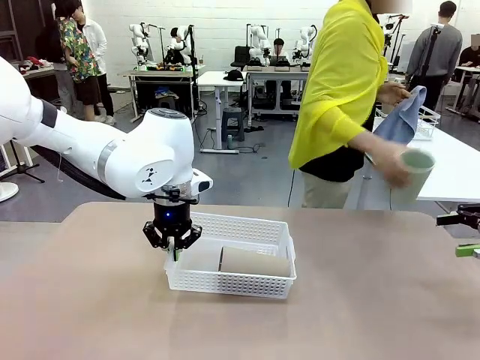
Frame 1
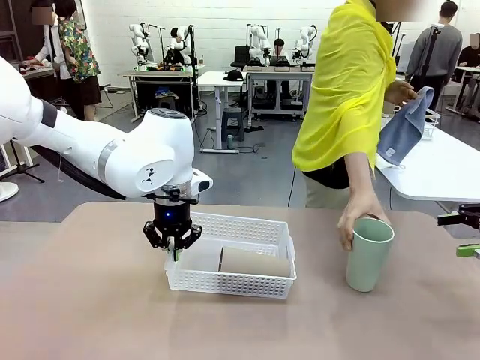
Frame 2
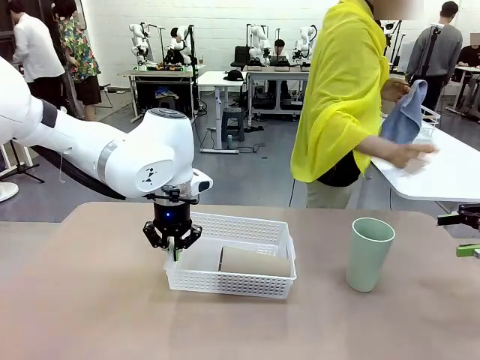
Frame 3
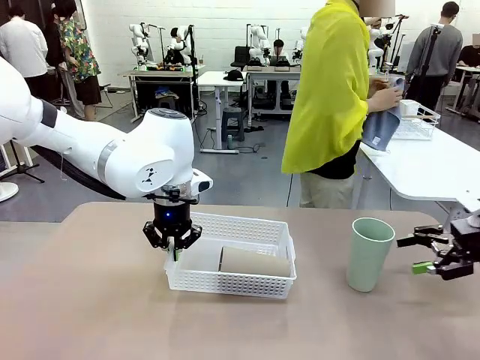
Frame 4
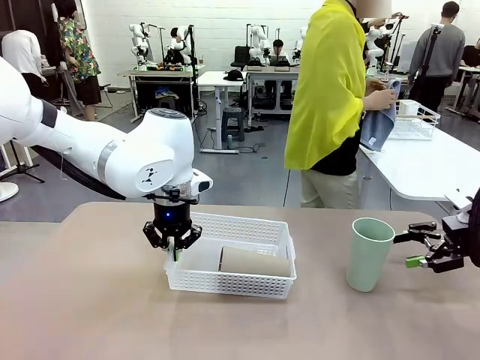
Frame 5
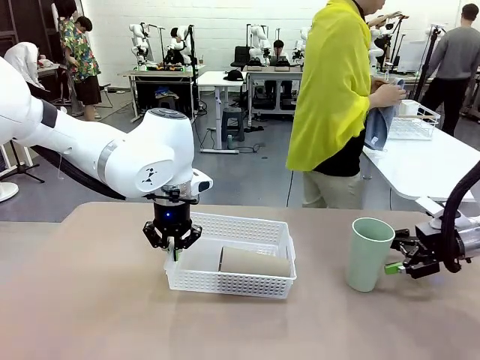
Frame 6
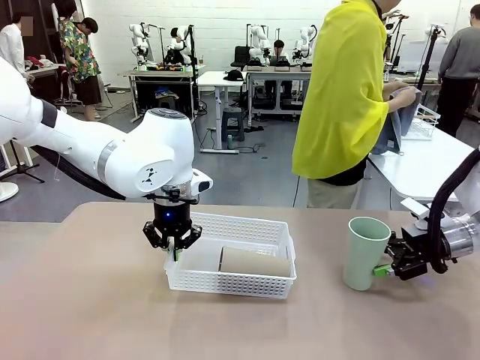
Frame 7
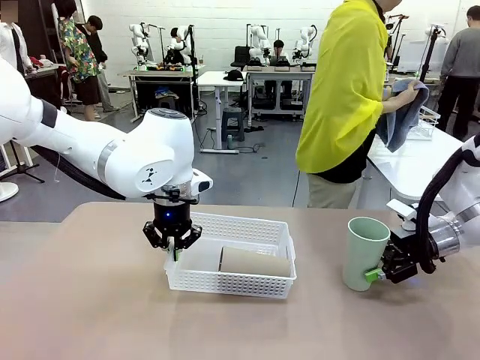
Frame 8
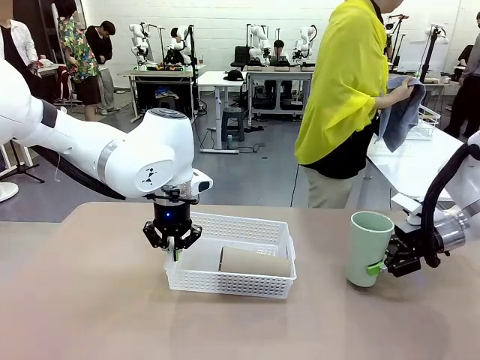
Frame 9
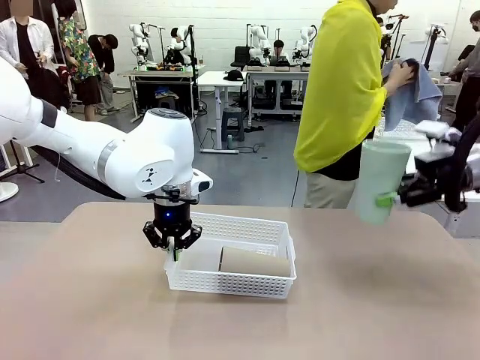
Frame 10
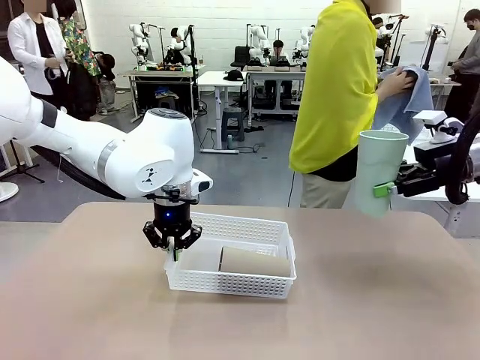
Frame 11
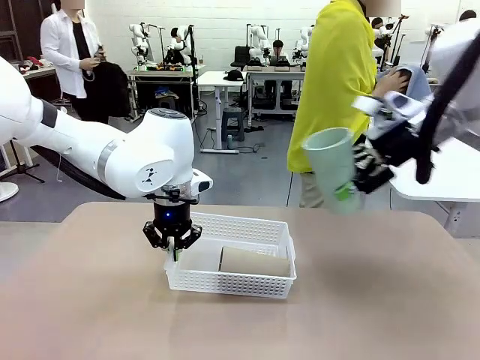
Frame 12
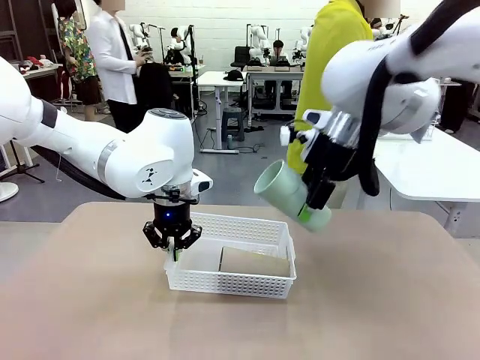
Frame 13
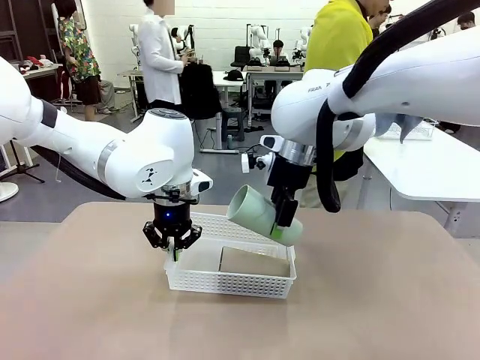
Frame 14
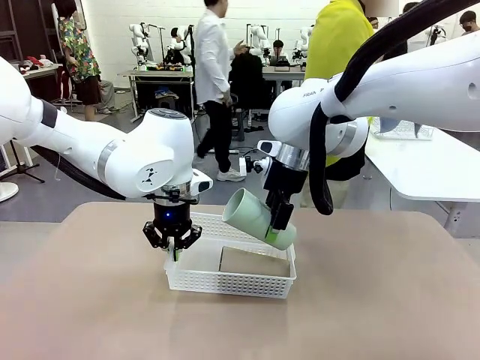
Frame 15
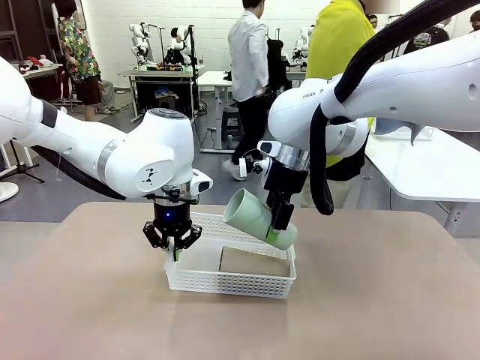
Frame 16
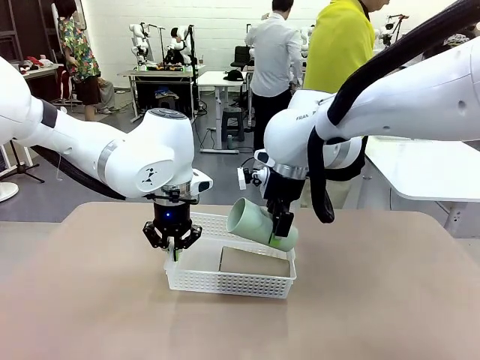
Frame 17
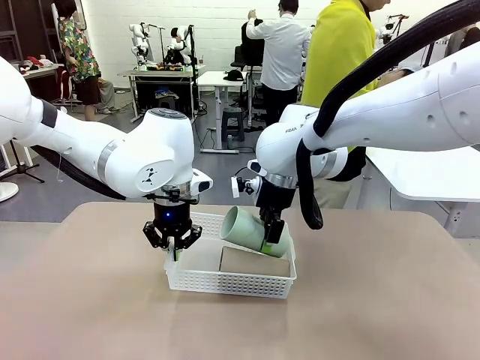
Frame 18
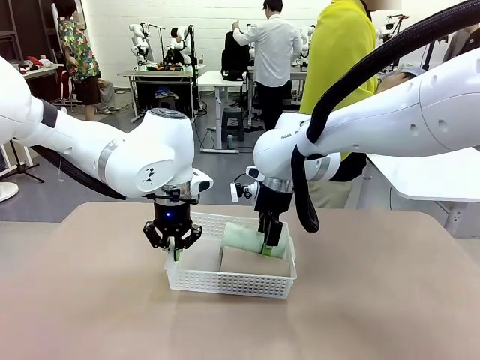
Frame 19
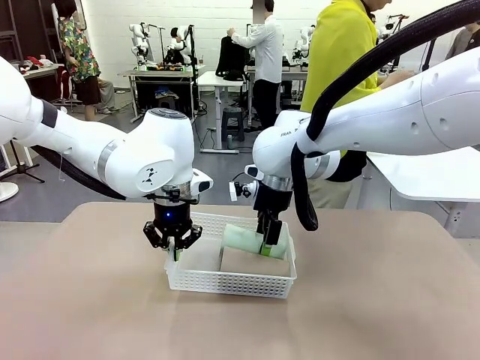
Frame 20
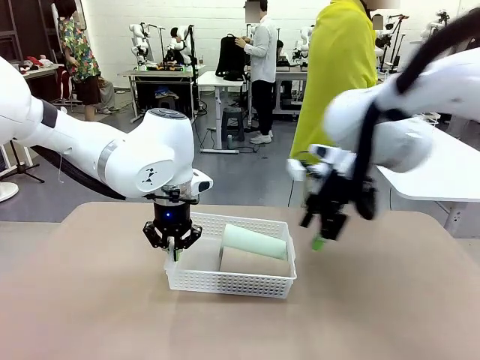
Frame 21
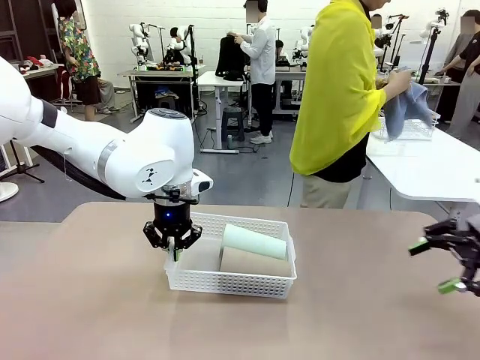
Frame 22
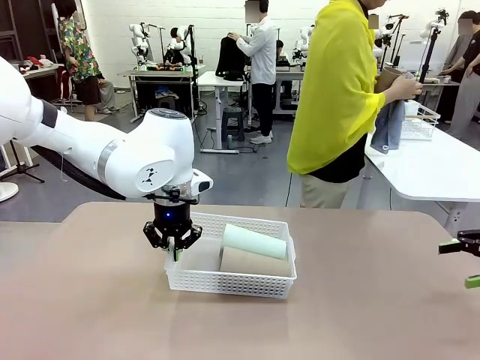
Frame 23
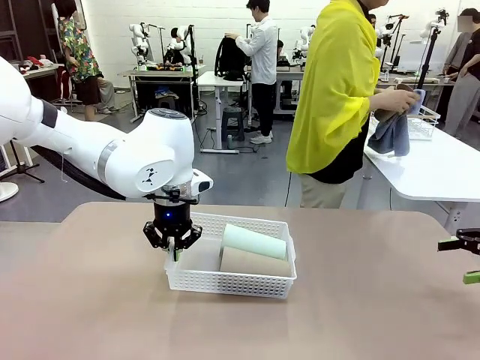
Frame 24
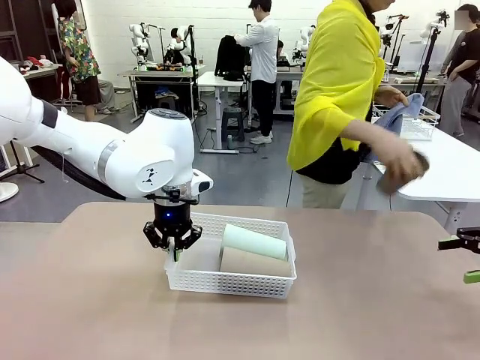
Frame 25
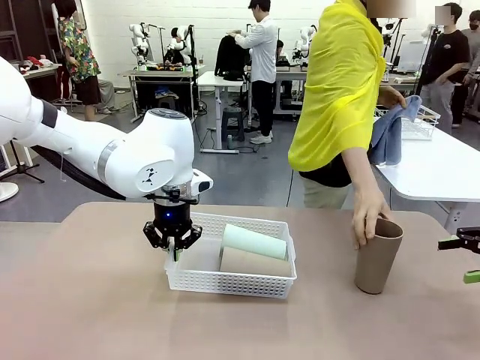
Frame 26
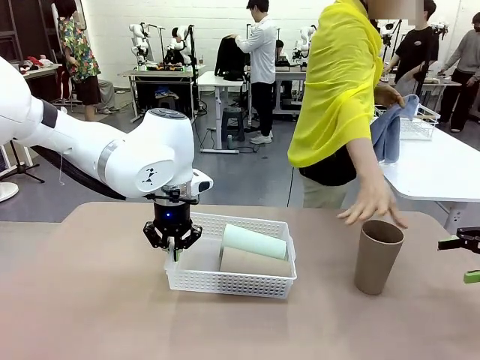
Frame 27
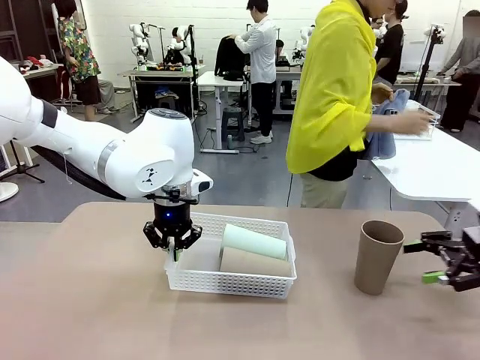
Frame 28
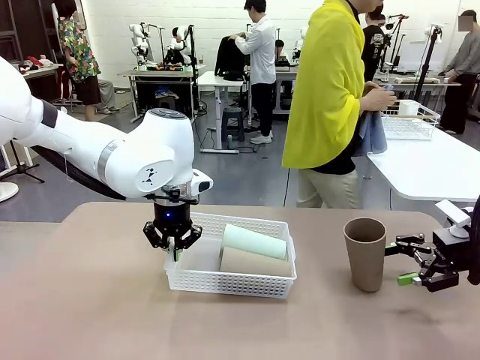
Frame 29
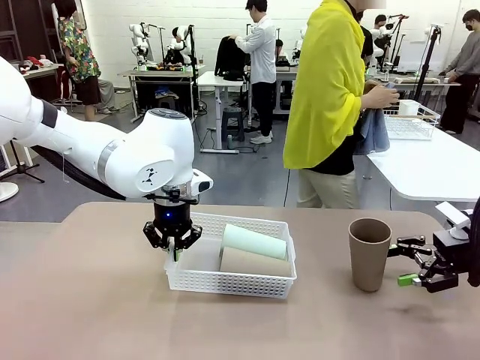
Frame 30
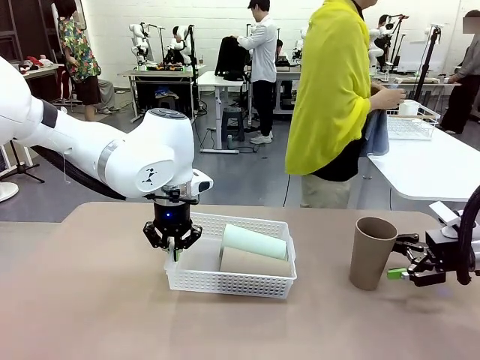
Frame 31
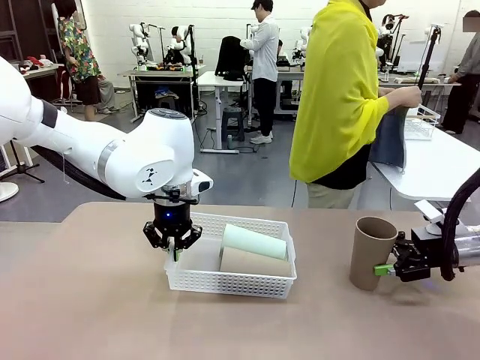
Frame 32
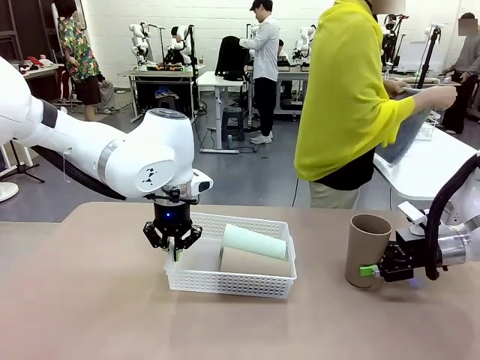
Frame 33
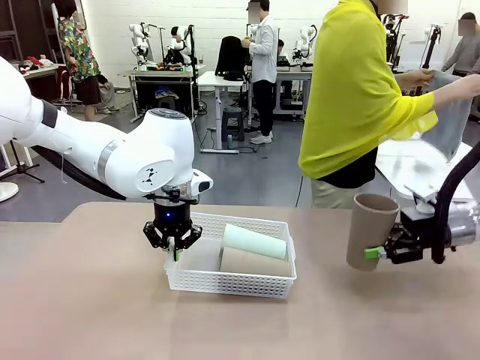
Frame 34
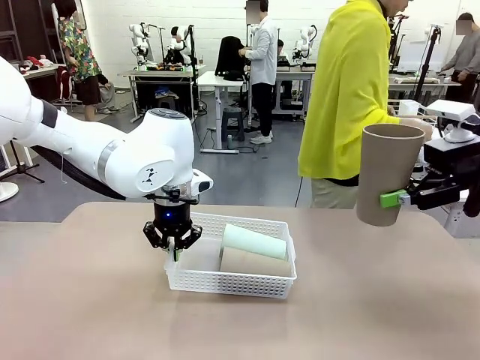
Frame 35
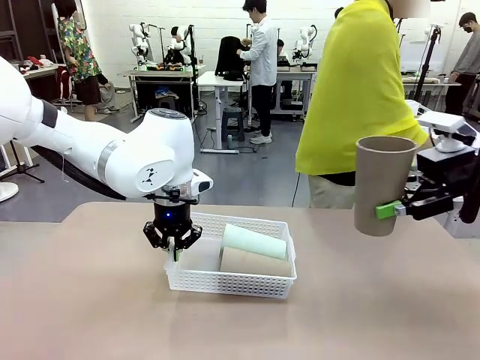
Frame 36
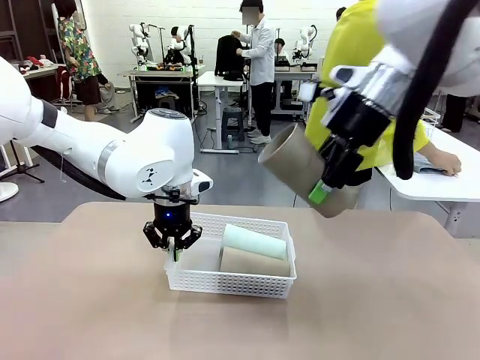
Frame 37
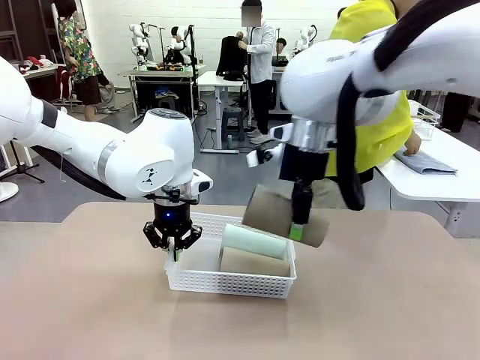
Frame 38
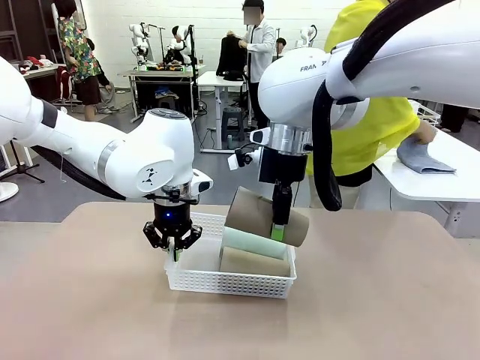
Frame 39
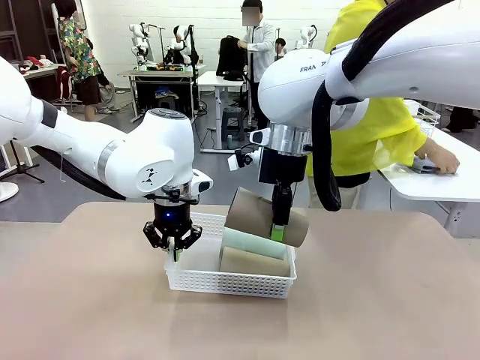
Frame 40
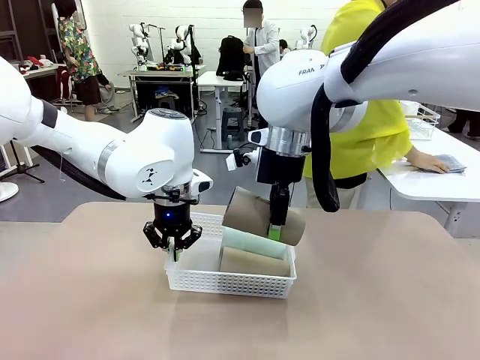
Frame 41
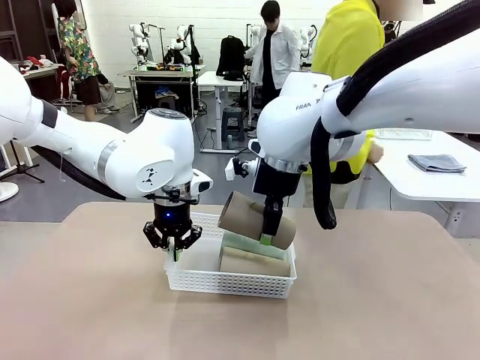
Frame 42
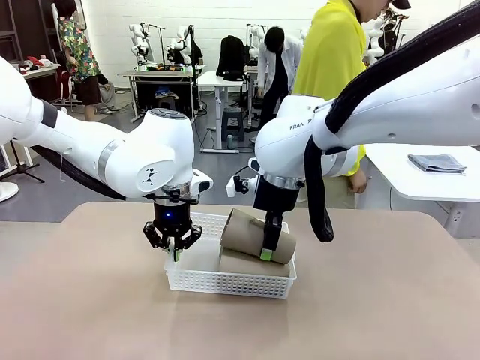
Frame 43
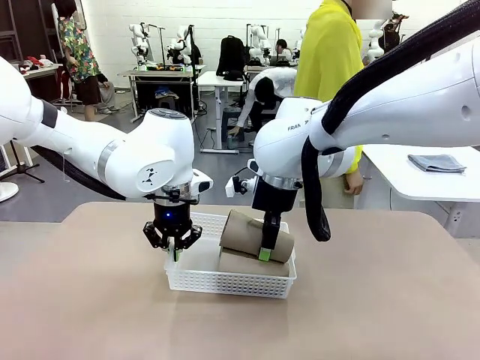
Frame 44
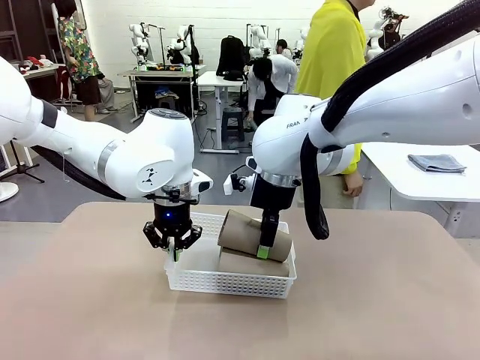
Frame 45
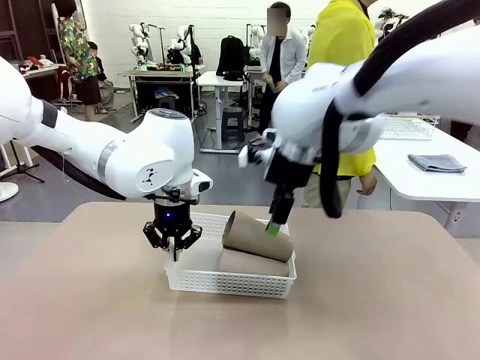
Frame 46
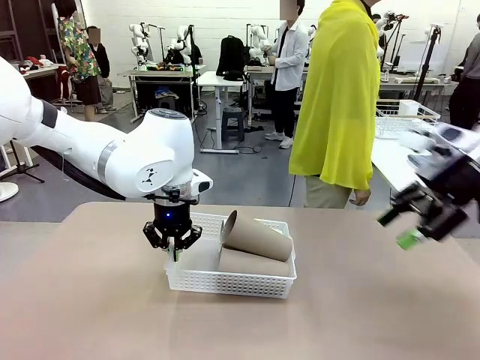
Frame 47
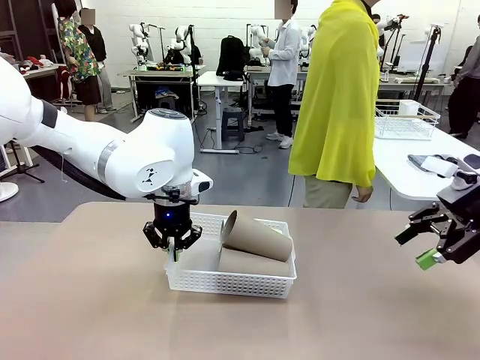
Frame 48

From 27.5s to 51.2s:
Task: Clean and organize the cups into the basket.
Robot: Pick up the Reusable plastic cup from the right side of the table and stack it inside the Organizing basket in the center of the table.

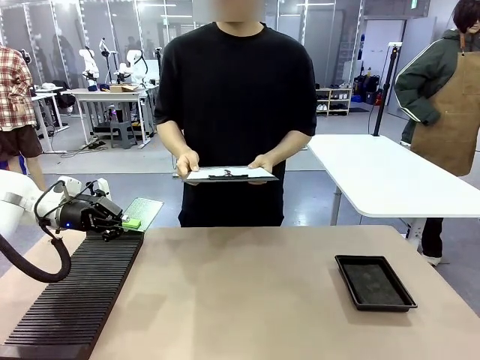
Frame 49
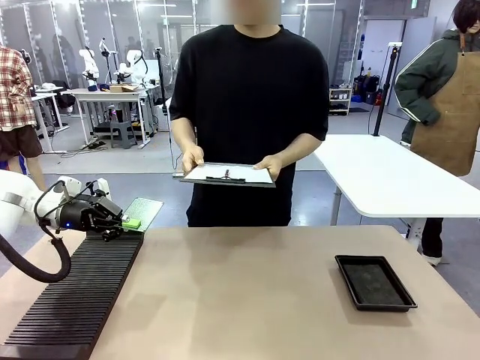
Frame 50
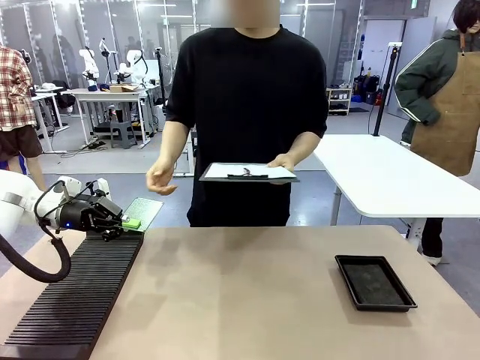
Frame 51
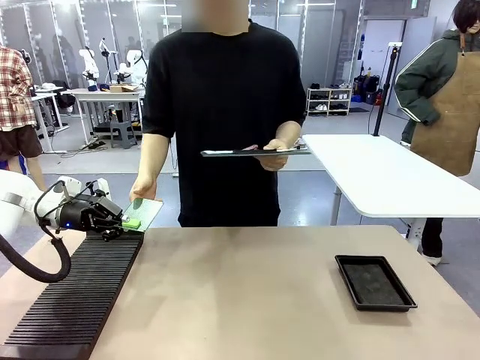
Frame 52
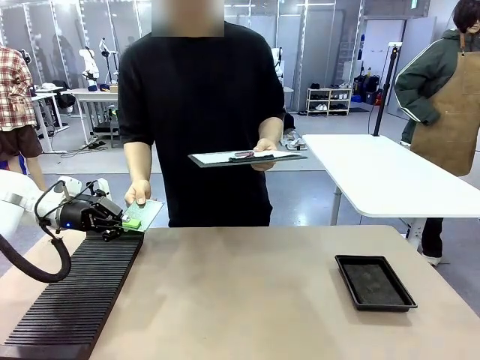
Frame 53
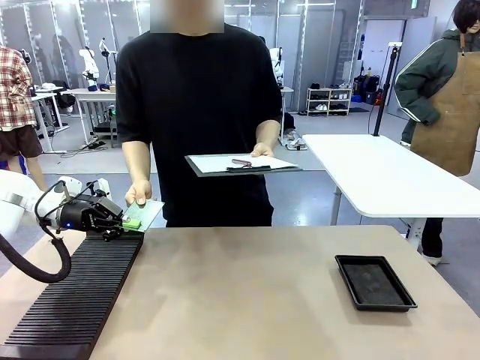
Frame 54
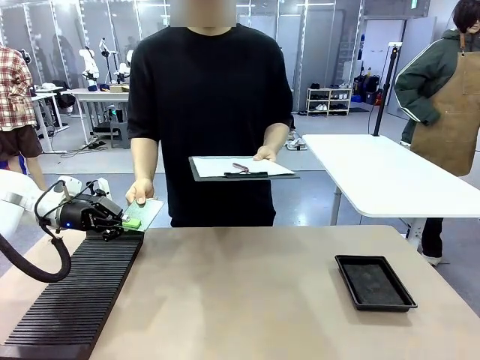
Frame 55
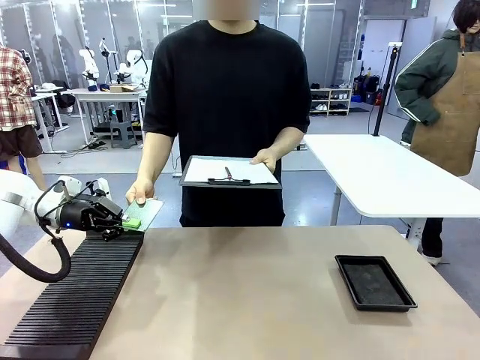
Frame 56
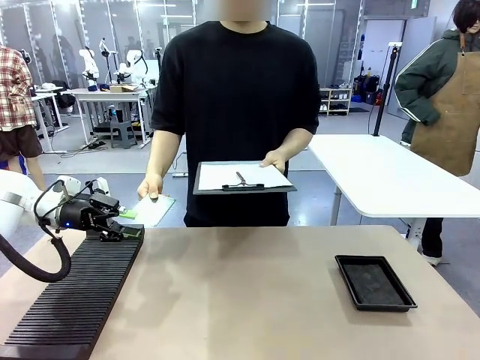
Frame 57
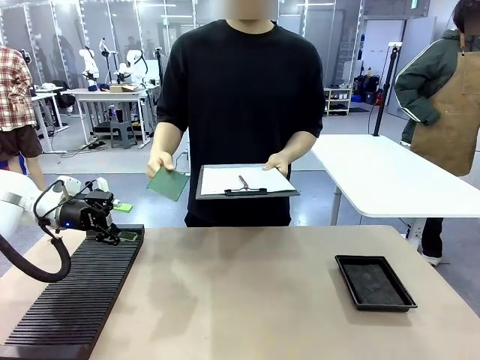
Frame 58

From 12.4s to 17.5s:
Task: Inspect the PCB.
Robot: Release the Blank PCB you were holding.
